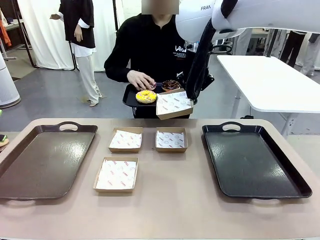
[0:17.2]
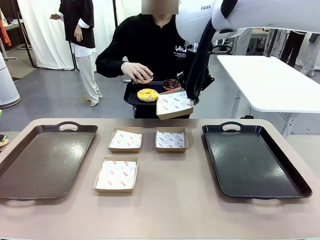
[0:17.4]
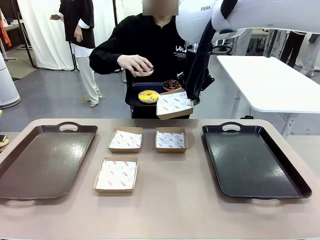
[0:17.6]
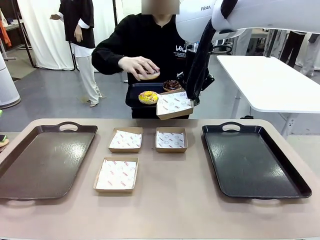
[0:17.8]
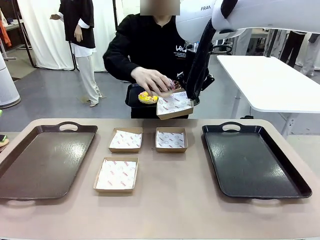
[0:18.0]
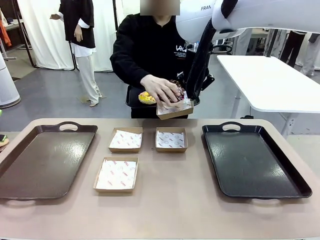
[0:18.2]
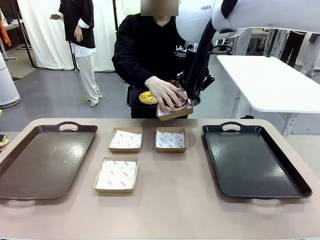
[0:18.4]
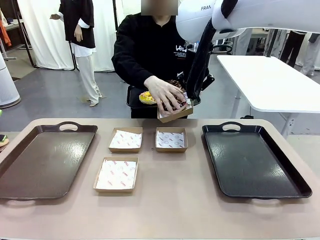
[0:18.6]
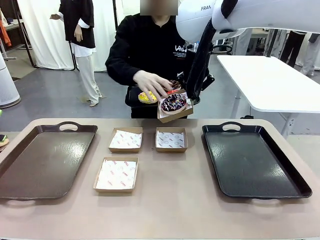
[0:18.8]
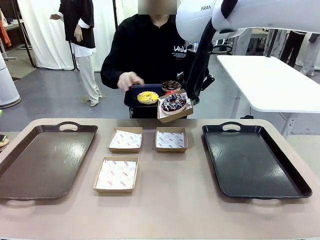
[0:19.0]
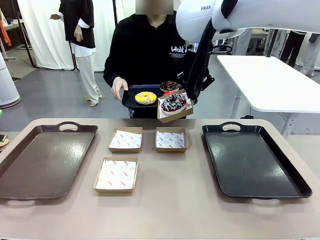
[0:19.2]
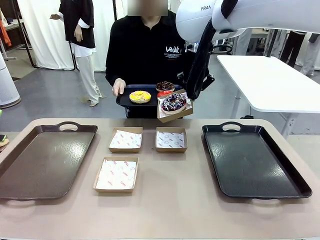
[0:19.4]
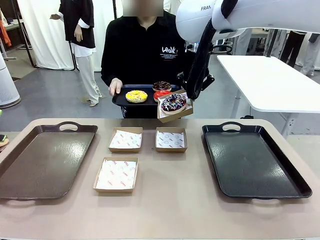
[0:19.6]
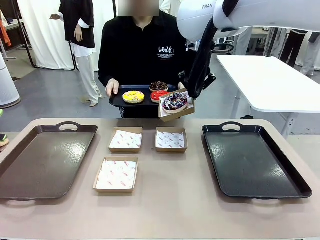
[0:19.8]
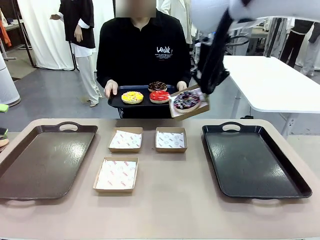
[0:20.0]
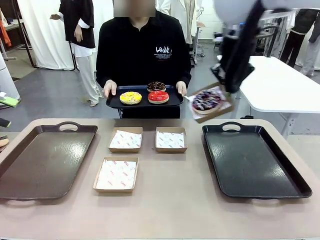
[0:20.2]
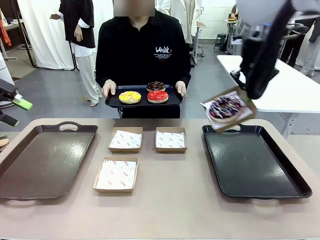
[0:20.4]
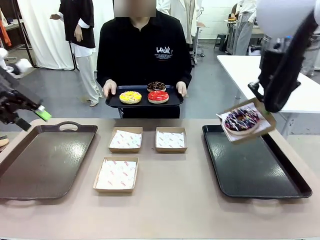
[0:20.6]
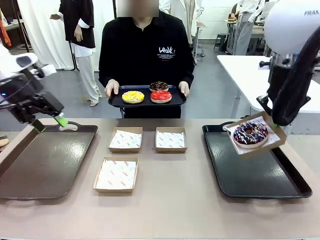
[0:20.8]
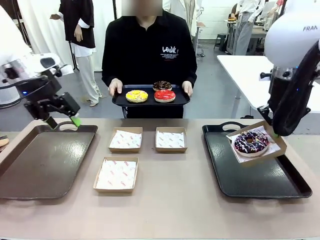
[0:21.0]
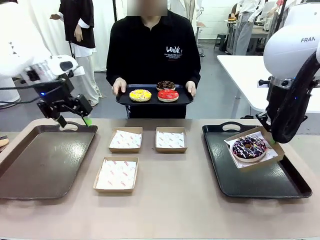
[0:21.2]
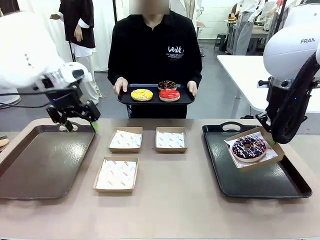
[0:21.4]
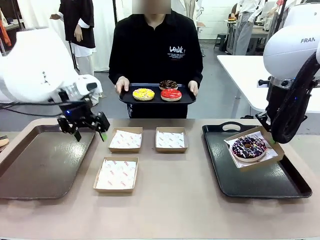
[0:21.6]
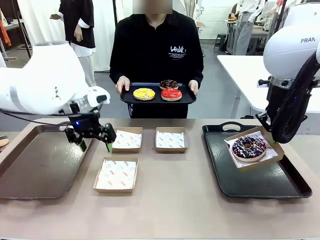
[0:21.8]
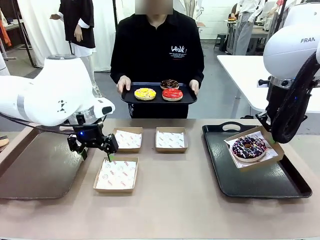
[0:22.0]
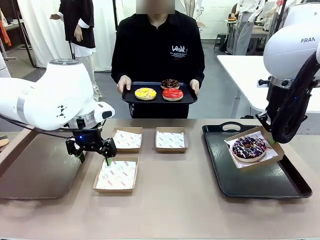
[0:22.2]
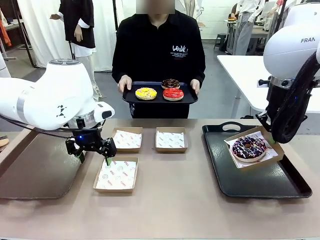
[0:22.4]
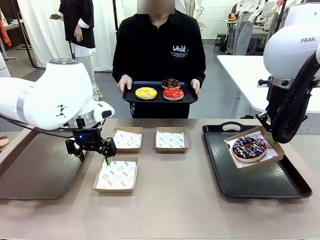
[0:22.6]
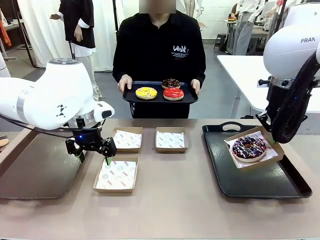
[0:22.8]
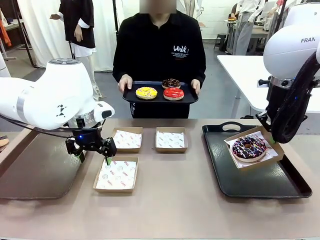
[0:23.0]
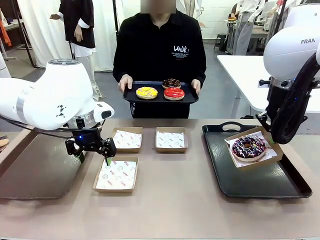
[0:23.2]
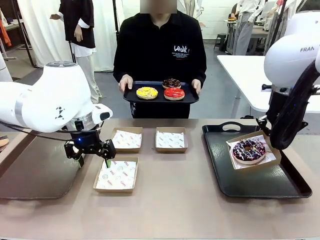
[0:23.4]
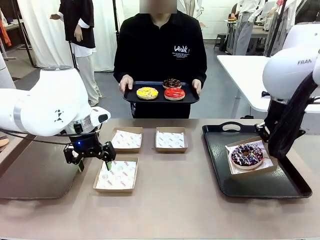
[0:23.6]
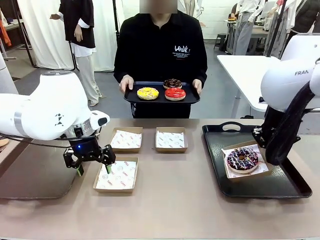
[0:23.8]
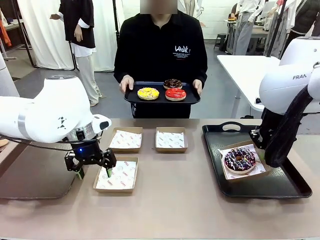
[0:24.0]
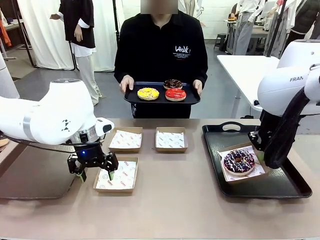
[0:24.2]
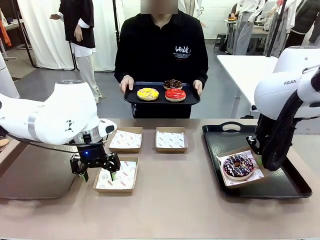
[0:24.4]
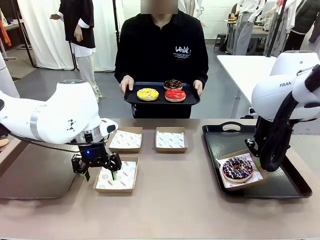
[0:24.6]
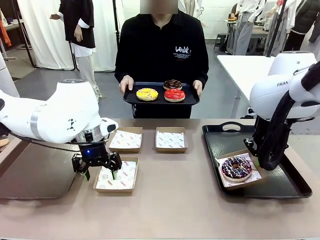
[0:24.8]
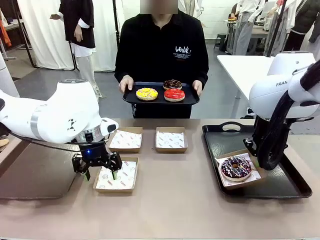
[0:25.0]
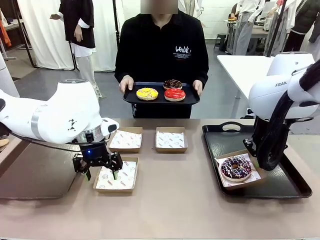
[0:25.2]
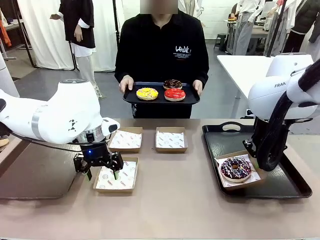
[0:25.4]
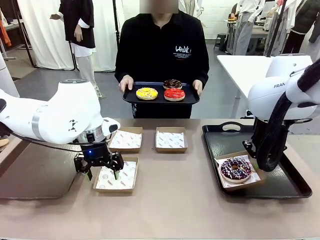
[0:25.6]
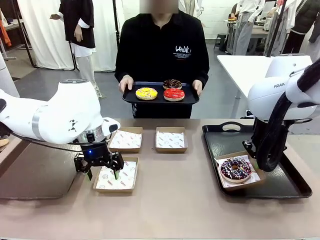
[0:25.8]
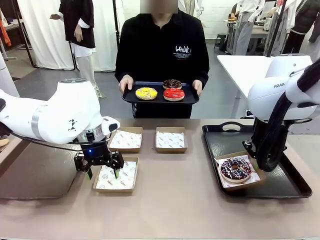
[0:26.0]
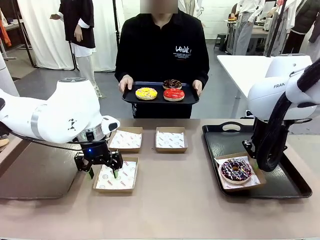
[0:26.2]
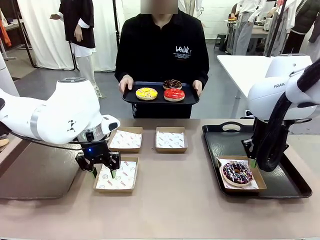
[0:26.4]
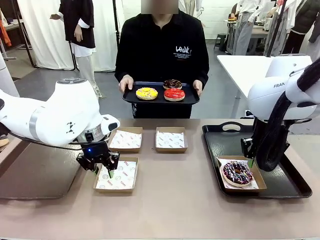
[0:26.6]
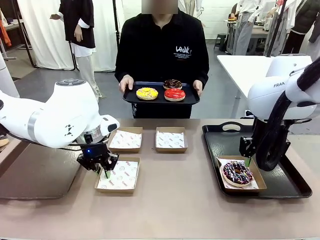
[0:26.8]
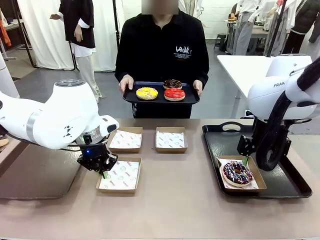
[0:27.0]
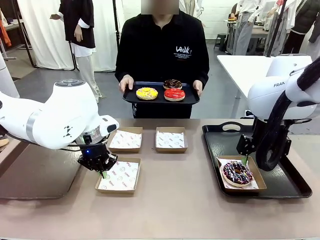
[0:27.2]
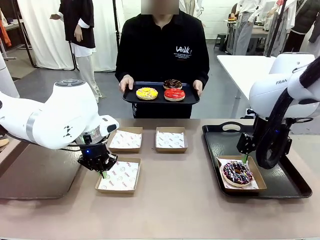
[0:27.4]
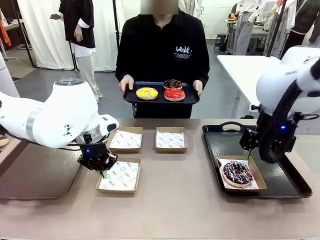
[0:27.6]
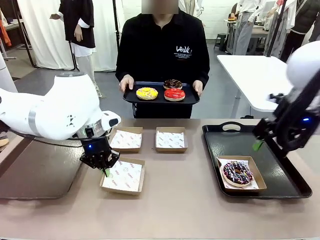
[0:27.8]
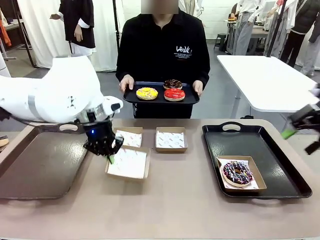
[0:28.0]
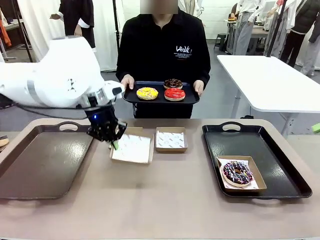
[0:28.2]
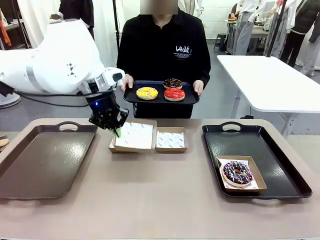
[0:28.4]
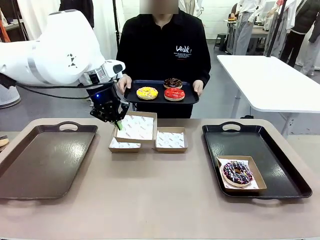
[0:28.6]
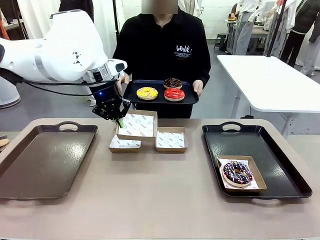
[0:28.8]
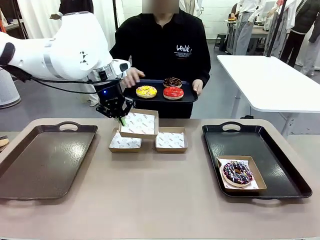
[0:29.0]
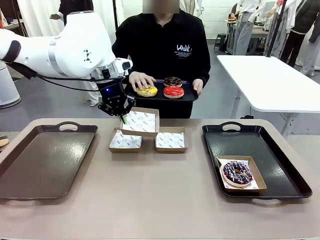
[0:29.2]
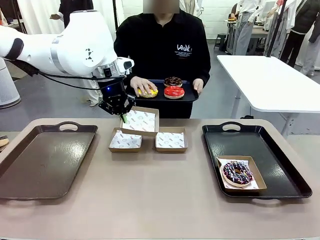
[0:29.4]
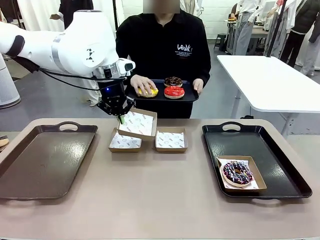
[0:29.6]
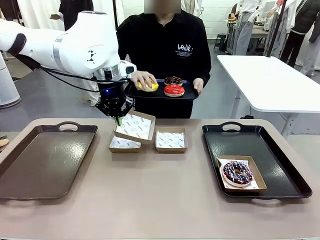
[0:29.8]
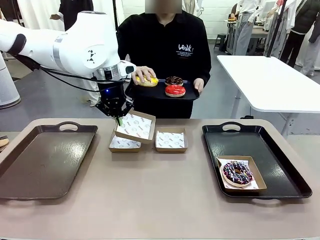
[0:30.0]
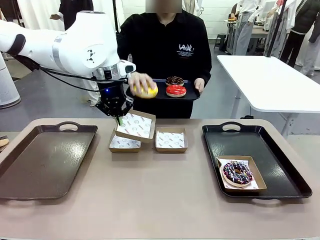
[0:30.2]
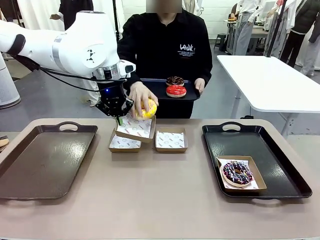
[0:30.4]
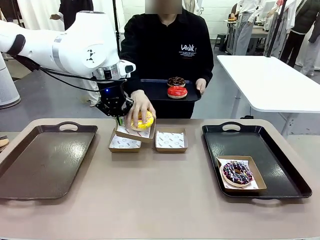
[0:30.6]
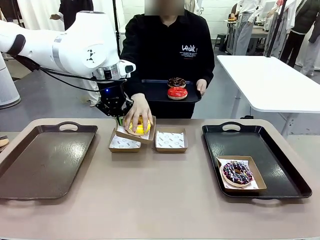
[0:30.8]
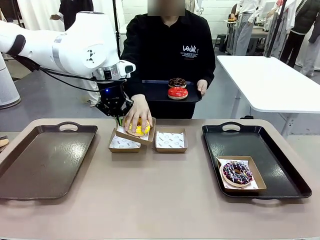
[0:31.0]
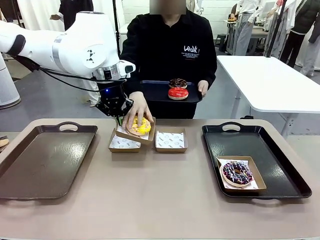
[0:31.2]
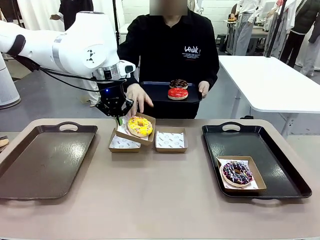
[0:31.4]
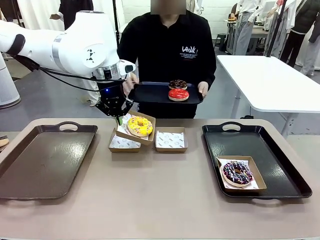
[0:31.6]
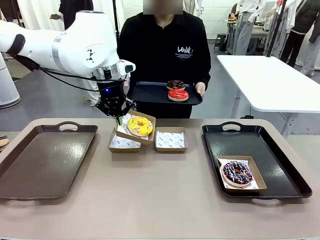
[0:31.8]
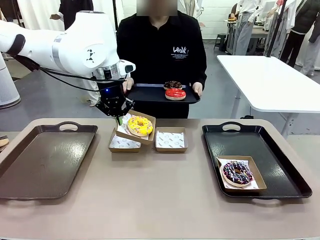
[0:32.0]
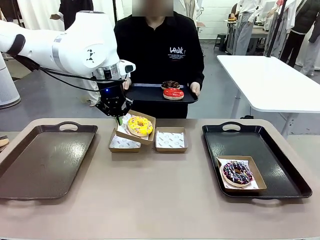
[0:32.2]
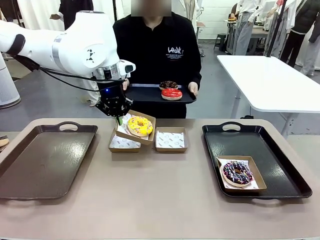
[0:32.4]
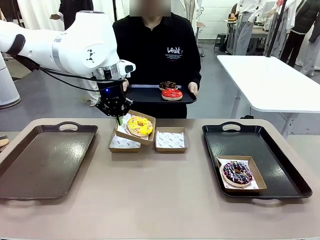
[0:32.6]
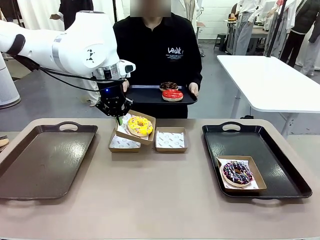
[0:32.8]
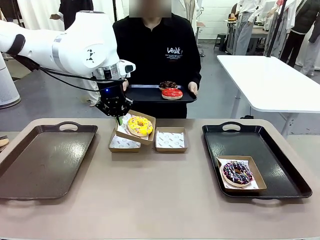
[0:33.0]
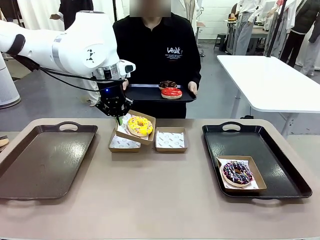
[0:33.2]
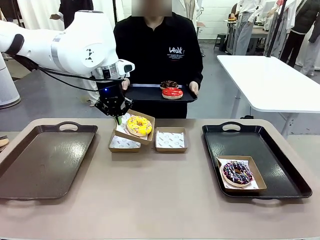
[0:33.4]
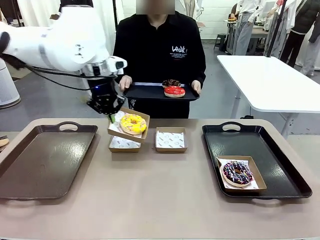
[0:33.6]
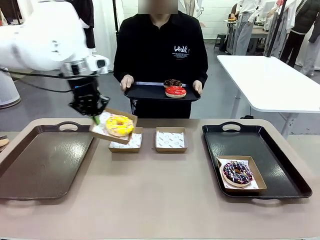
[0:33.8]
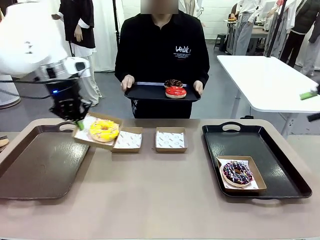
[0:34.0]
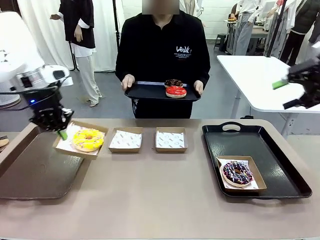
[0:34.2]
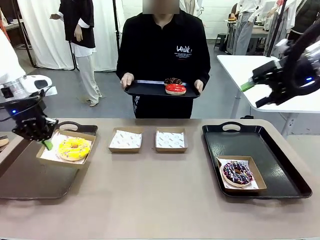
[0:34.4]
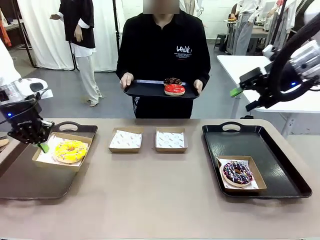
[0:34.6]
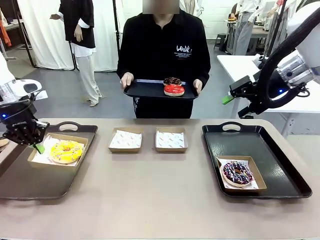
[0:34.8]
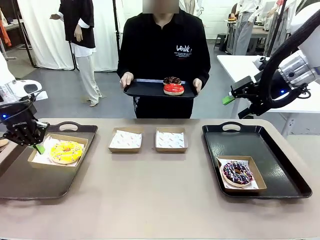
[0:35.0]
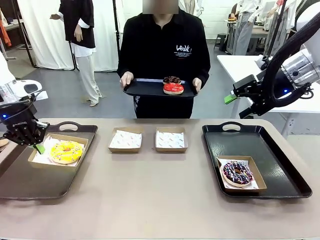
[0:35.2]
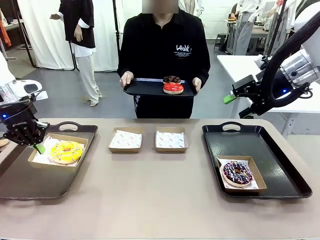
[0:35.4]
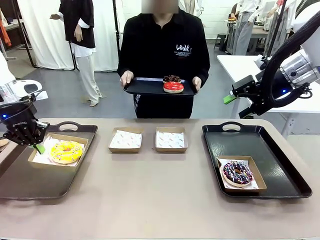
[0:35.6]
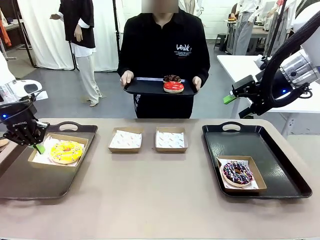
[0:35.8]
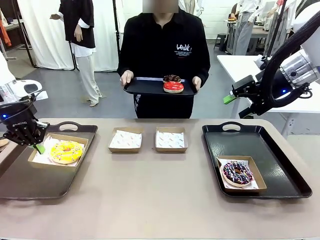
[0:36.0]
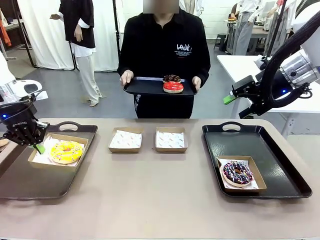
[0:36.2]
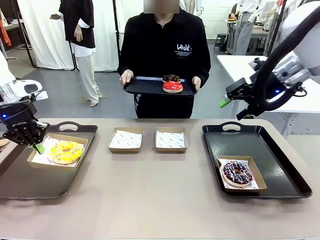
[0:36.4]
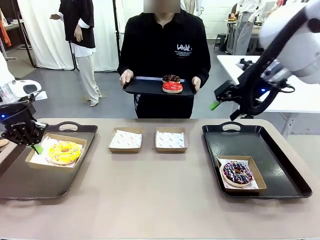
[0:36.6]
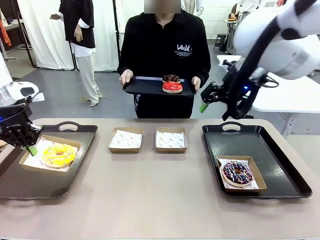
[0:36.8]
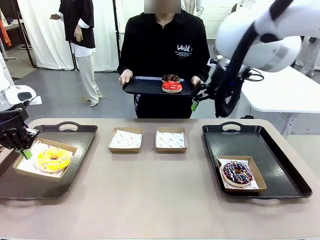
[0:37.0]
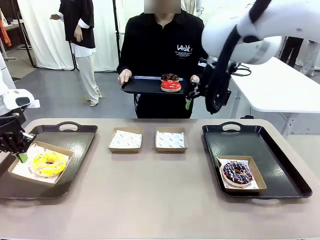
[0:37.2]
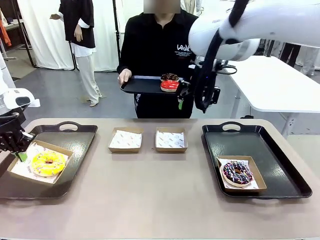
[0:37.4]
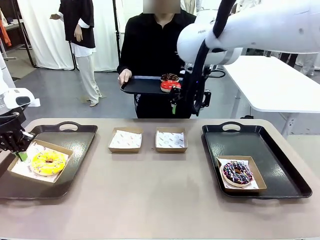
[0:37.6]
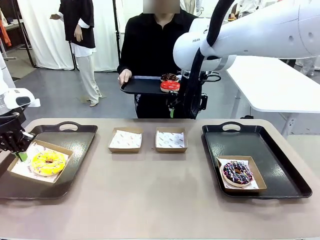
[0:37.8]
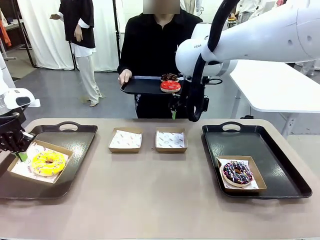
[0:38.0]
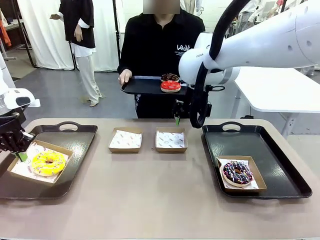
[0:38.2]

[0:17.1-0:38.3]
Task: Individually package the donuts and arrange them on the tray.
Robot: Place the picked Paper togo box on the Handle tray while simultaneously picking up another Paper togo box from the table with the other hand.
